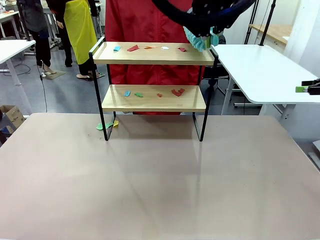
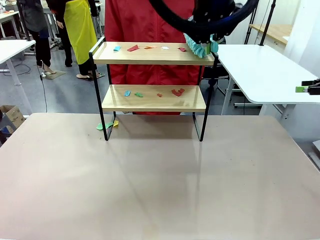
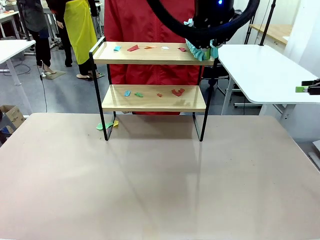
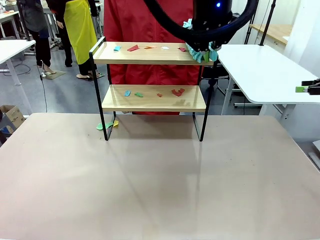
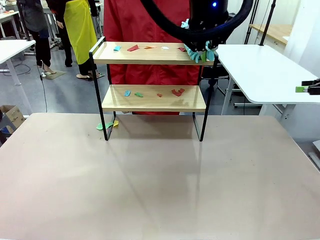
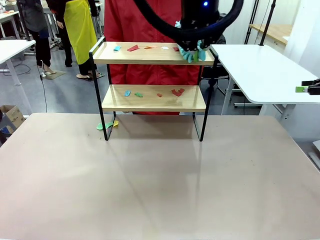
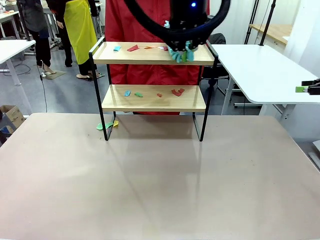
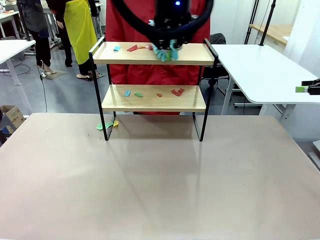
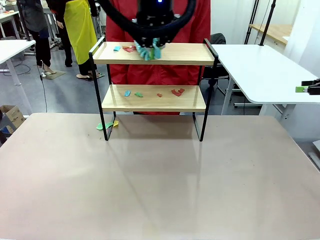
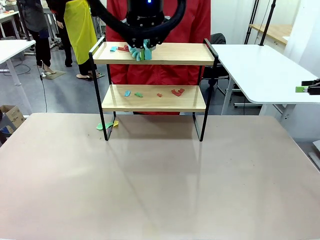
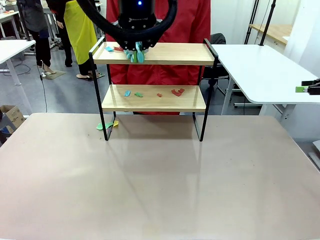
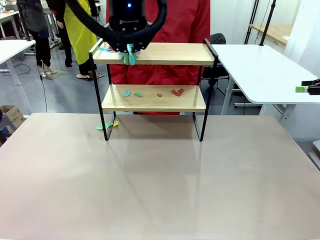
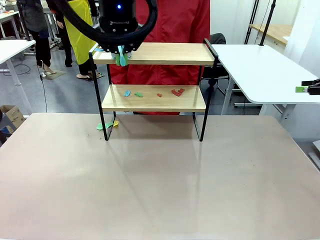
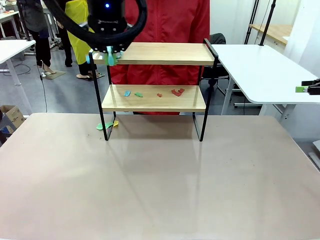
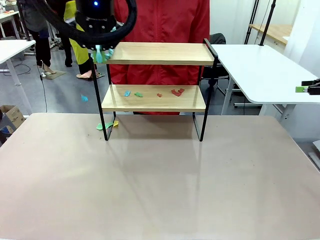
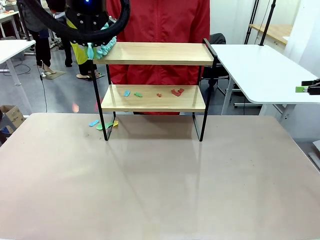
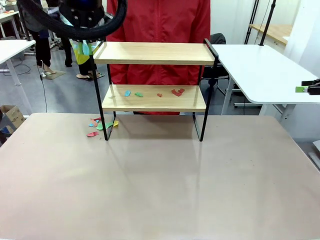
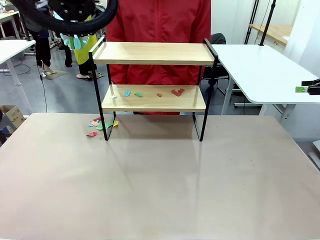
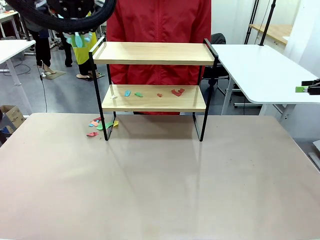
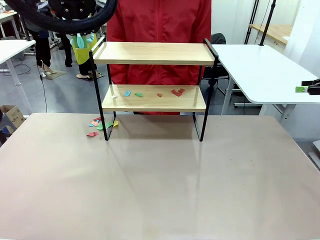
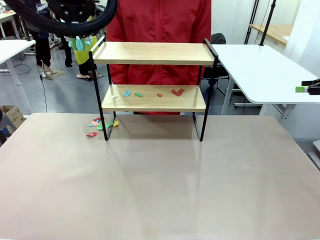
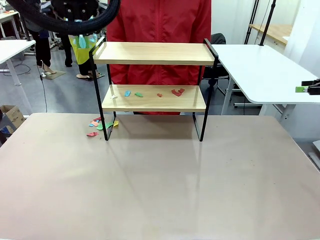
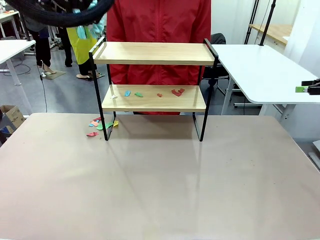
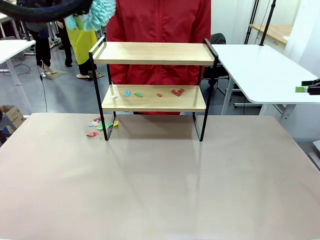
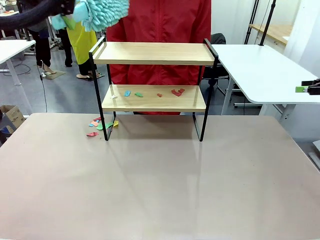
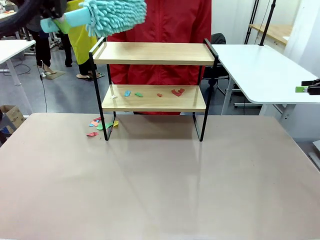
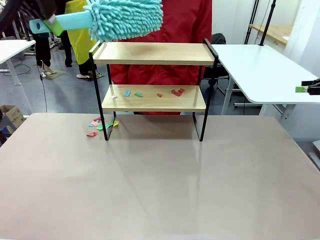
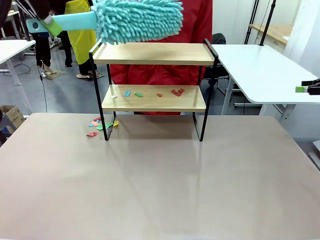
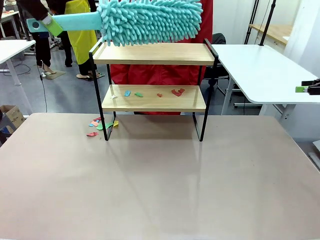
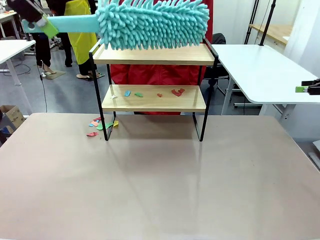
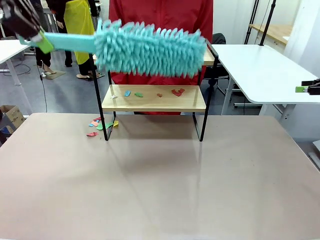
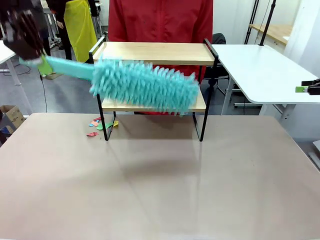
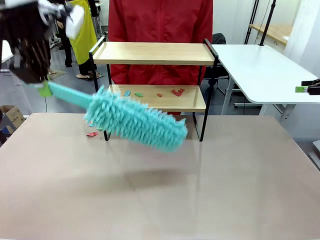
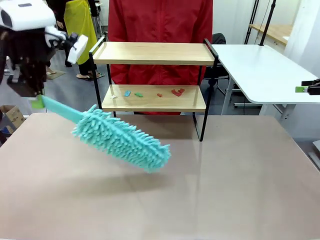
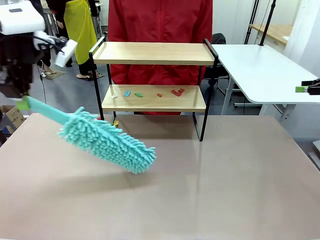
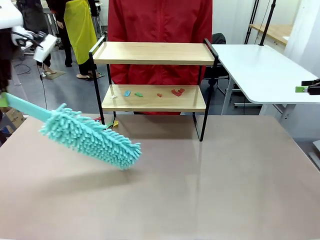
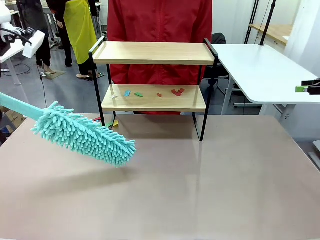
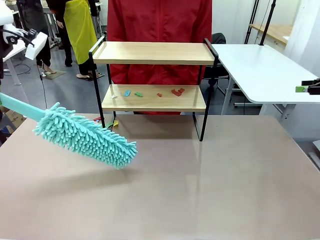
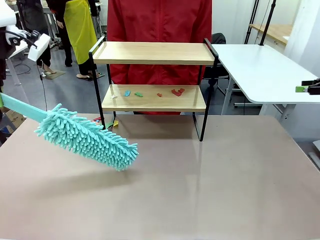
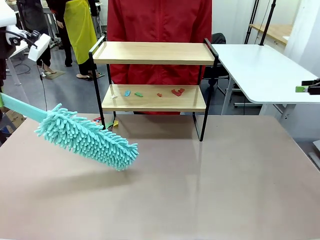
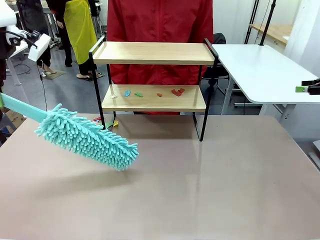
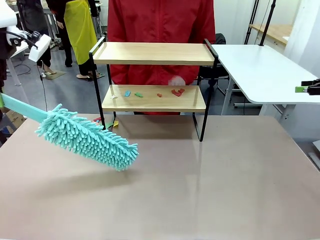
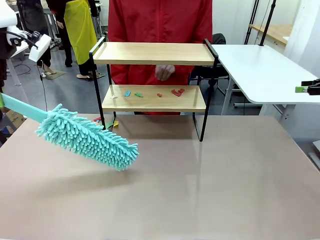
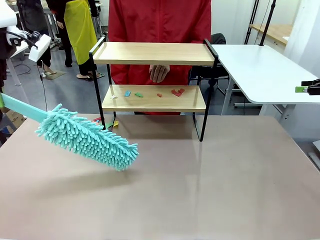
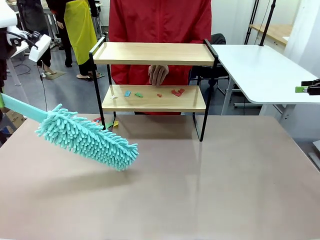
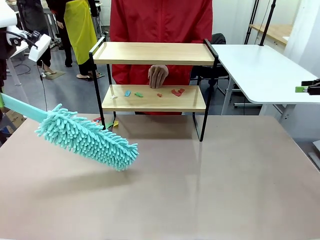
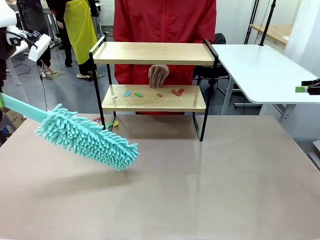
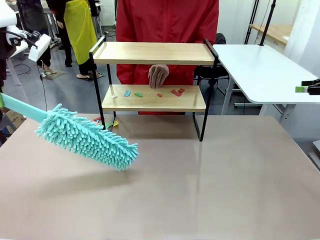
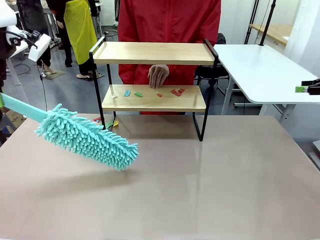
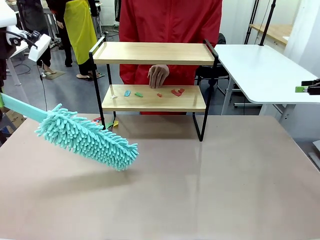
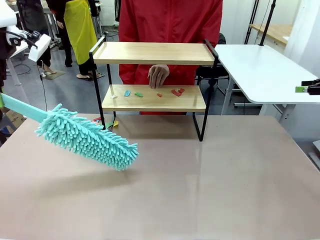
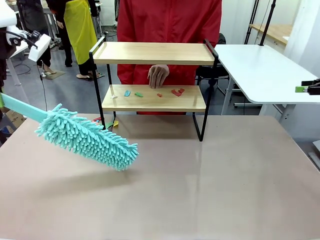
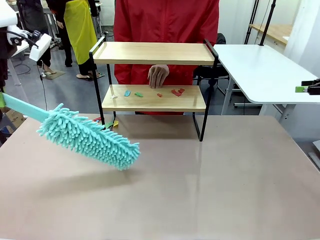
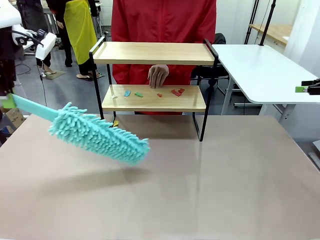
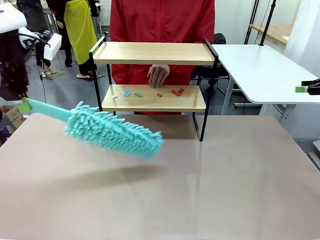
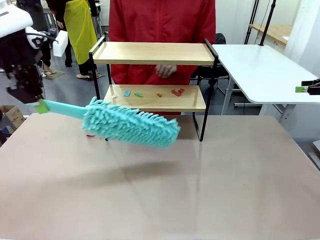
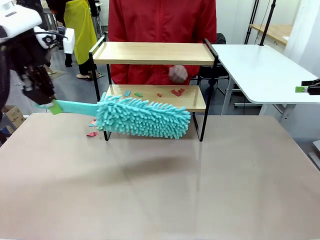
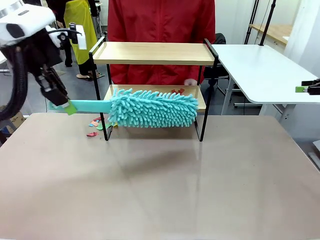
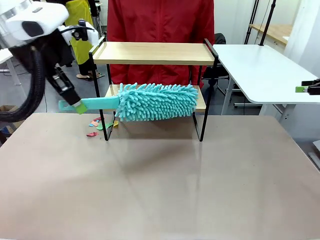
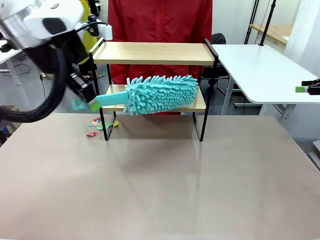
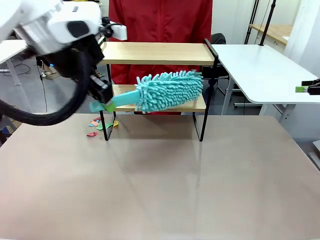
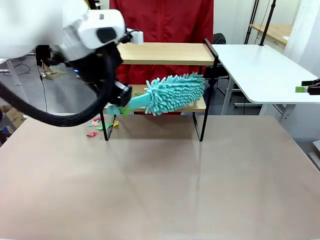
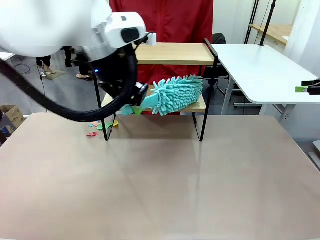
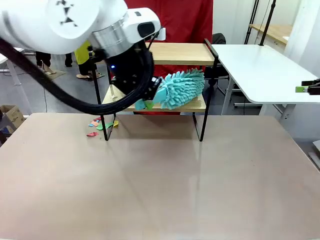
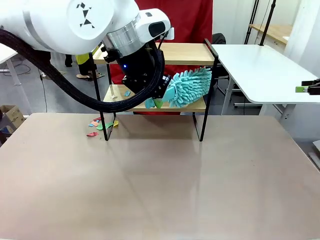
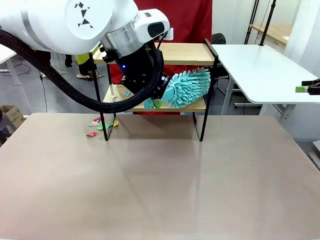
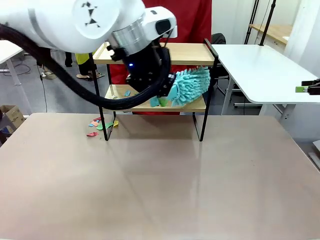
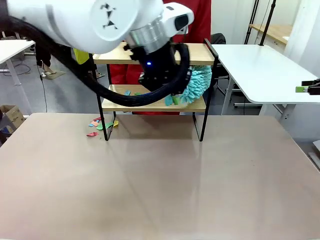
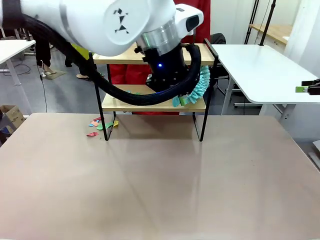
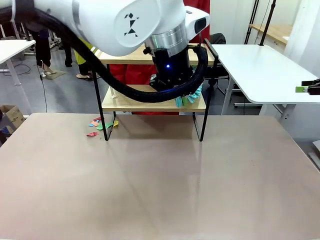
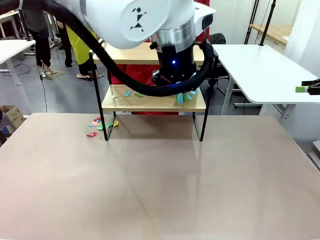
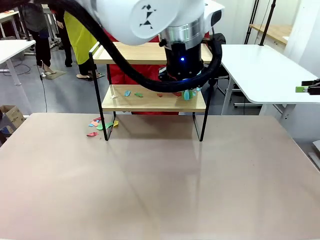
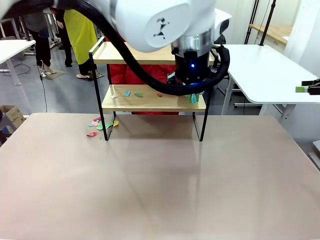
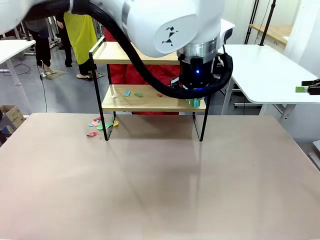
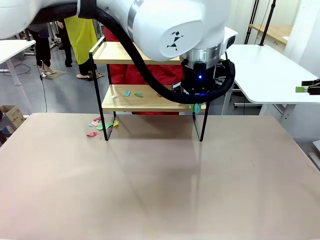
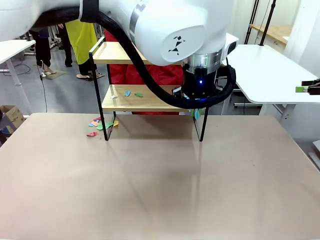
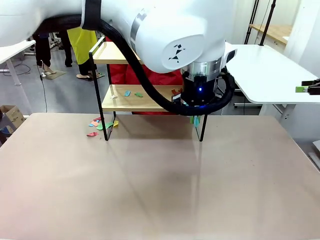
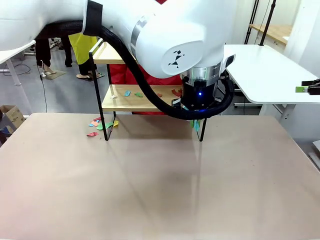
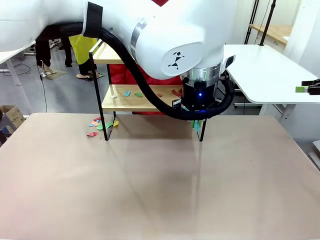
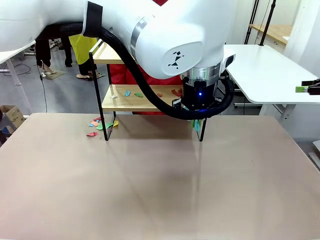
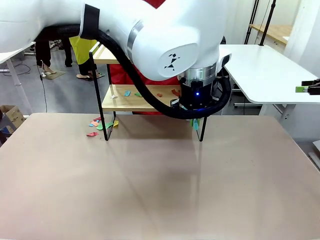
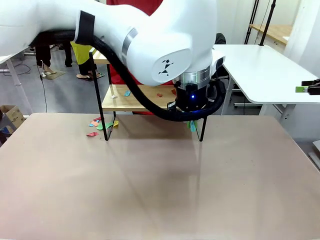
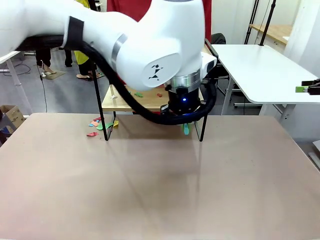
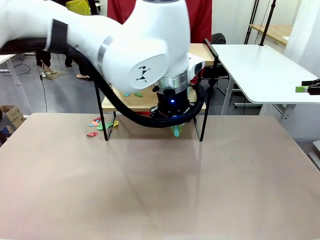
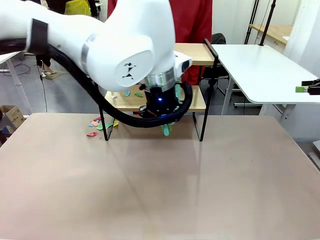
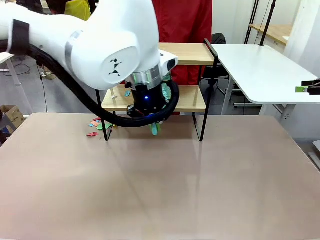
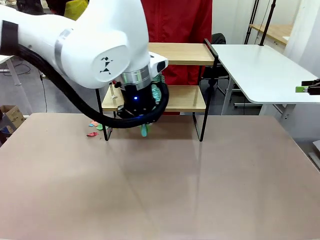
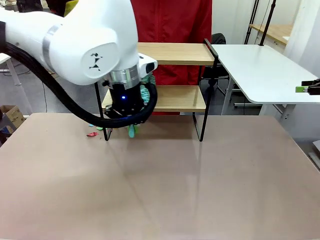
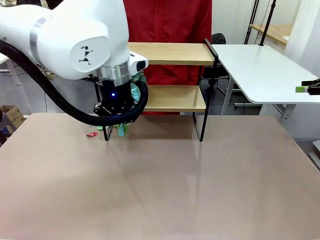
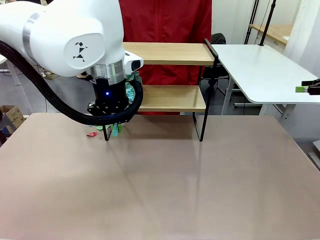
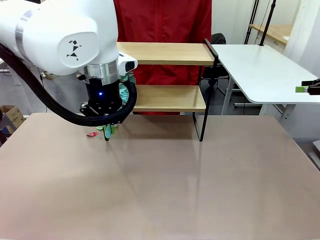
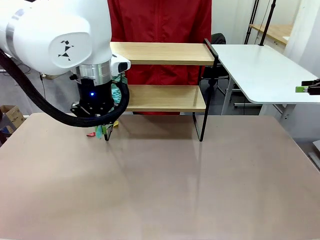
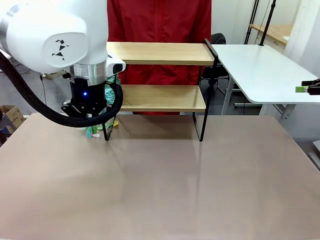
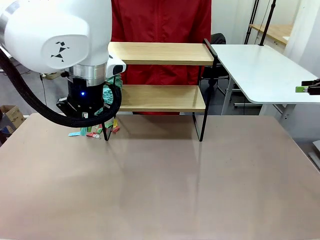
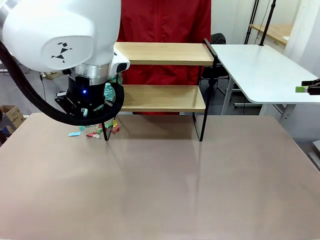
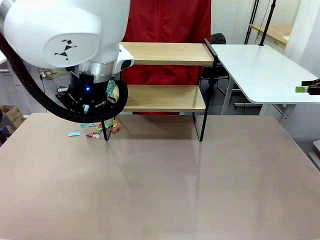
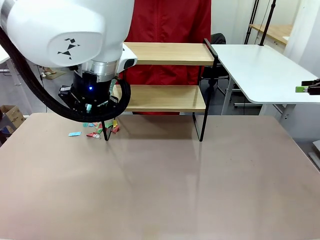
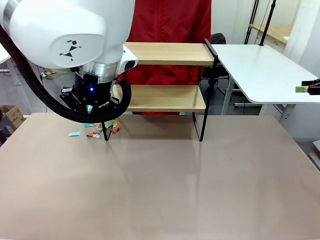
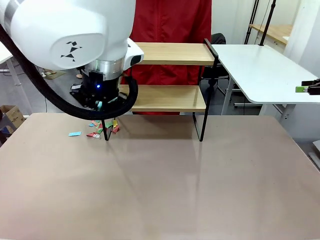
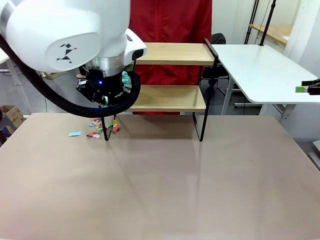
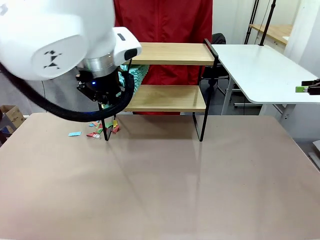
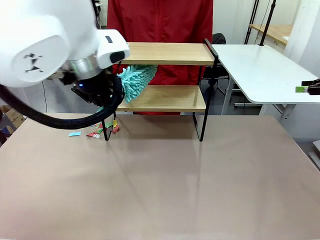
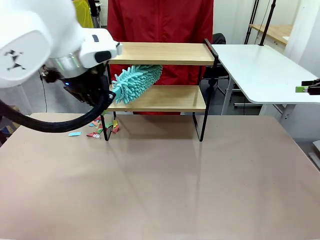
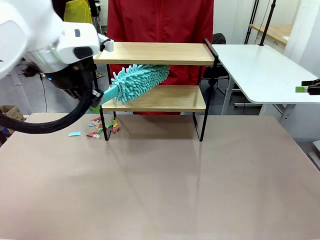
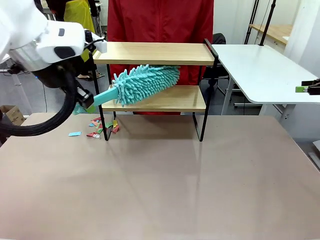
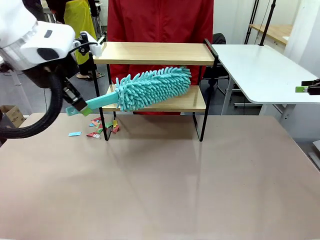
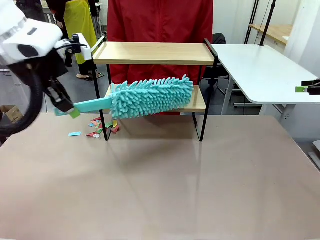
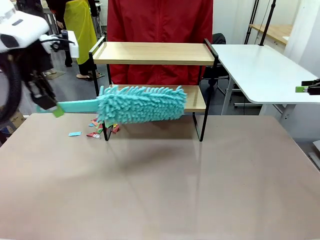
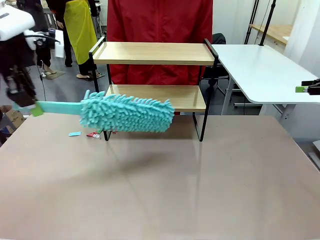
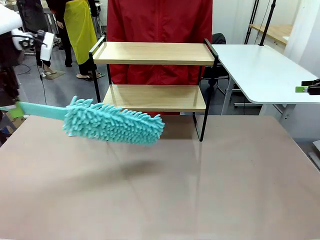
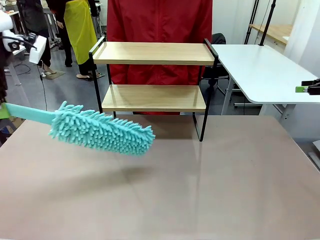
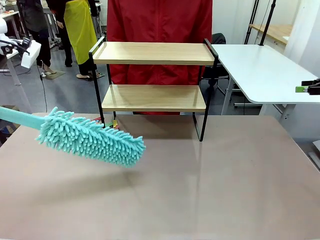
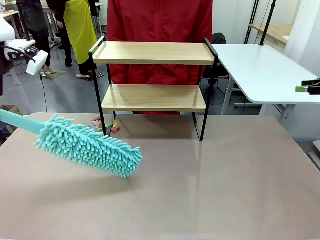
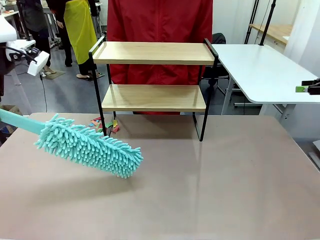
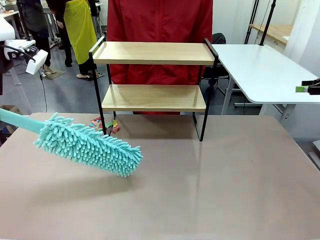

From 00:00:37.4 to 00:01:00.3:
Task: Clean the shelf.
Robot: Clean the specific section of the Shelf indicated by the human with the Duster.
Person: Point a remaining section of the Shelf.
